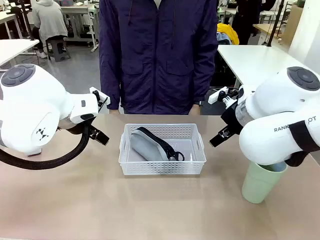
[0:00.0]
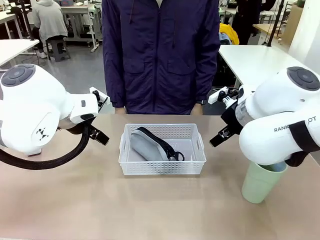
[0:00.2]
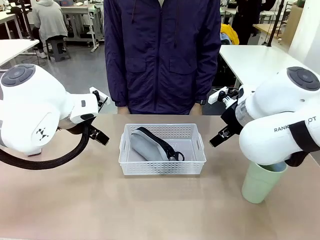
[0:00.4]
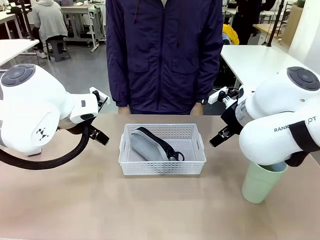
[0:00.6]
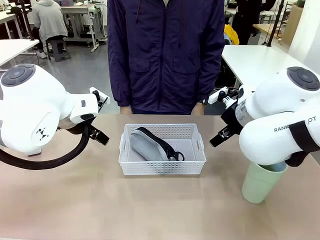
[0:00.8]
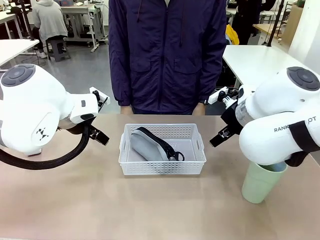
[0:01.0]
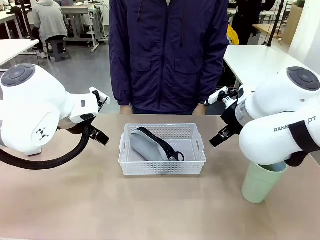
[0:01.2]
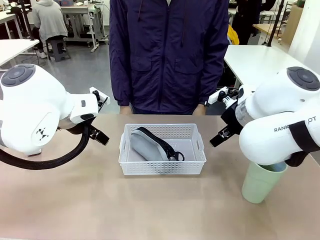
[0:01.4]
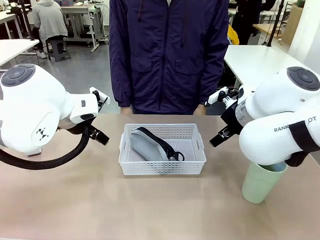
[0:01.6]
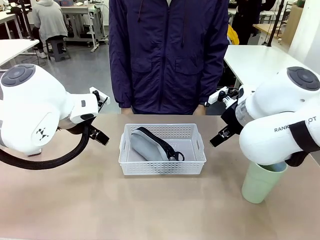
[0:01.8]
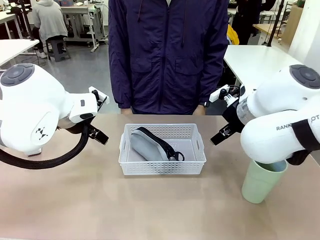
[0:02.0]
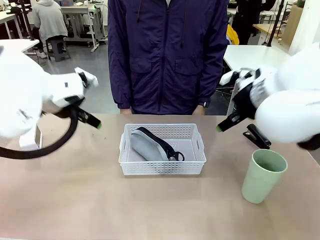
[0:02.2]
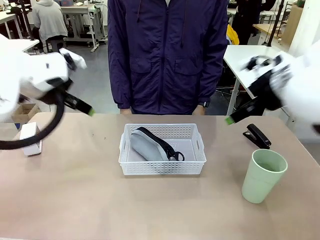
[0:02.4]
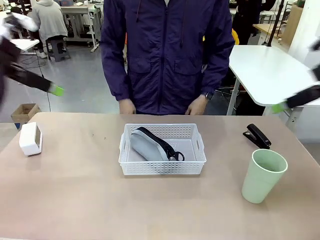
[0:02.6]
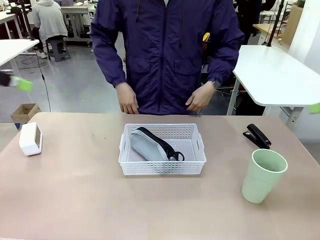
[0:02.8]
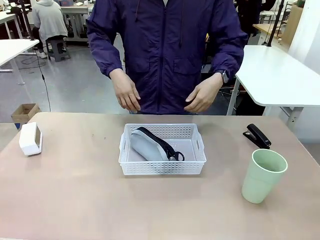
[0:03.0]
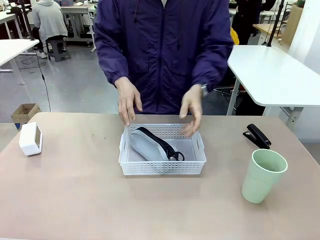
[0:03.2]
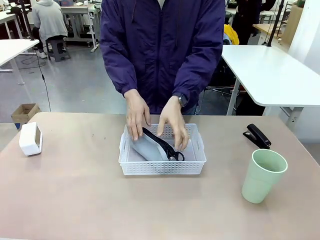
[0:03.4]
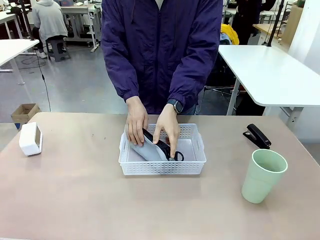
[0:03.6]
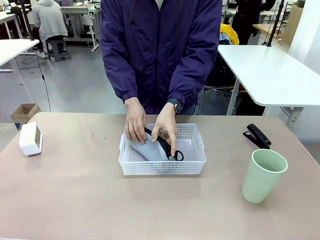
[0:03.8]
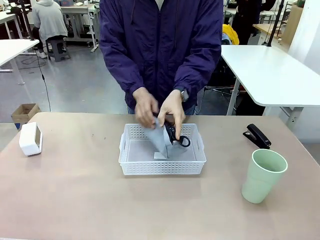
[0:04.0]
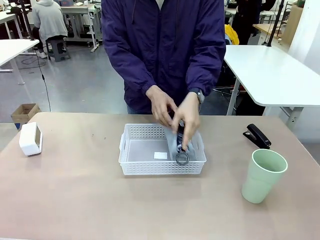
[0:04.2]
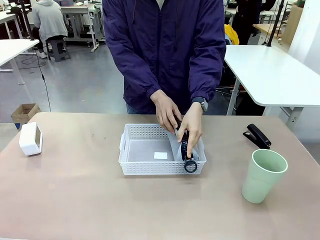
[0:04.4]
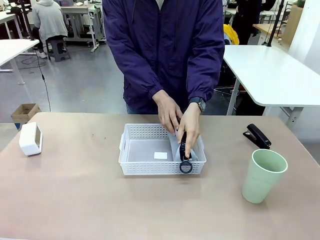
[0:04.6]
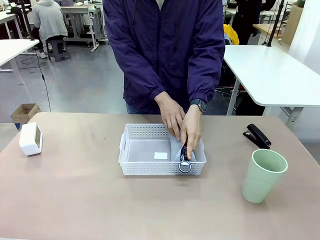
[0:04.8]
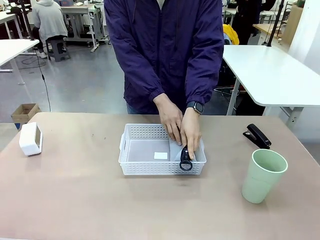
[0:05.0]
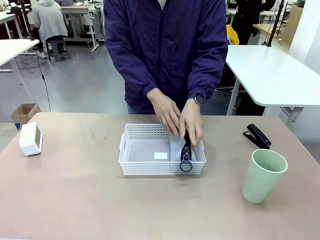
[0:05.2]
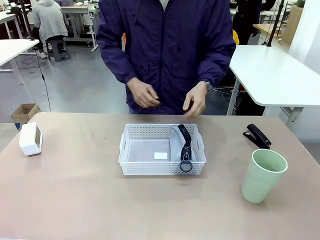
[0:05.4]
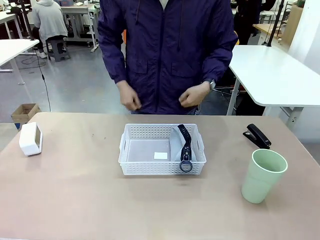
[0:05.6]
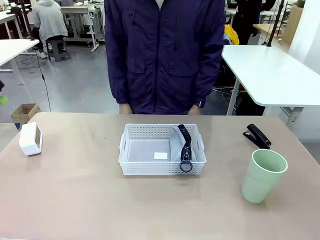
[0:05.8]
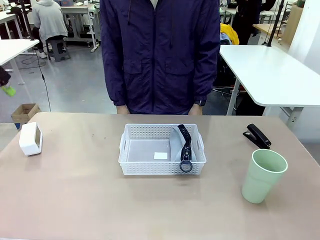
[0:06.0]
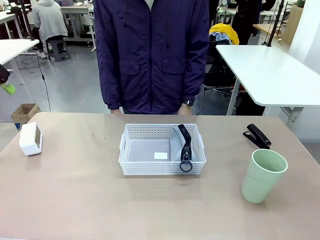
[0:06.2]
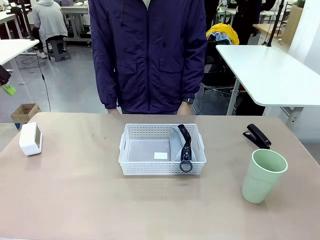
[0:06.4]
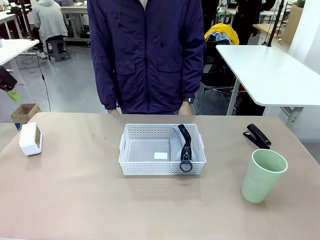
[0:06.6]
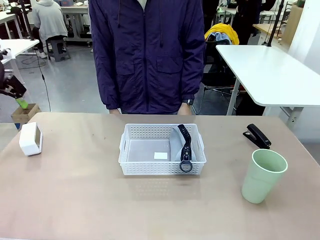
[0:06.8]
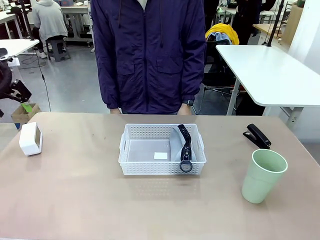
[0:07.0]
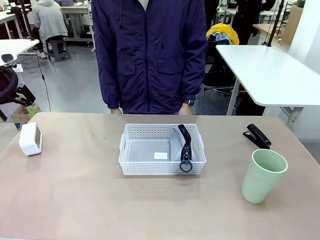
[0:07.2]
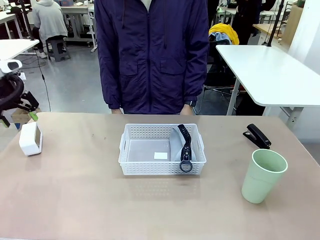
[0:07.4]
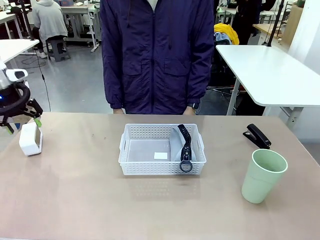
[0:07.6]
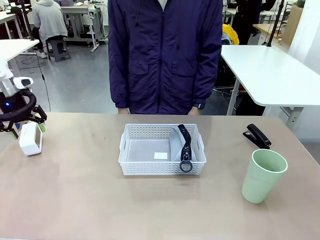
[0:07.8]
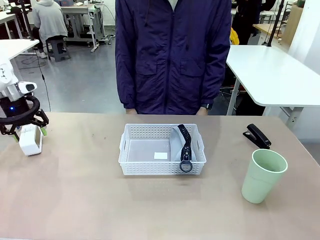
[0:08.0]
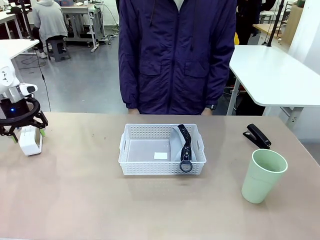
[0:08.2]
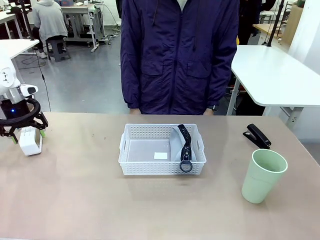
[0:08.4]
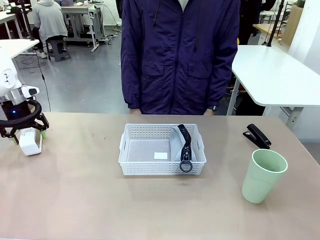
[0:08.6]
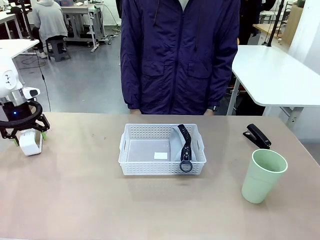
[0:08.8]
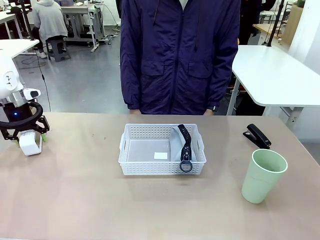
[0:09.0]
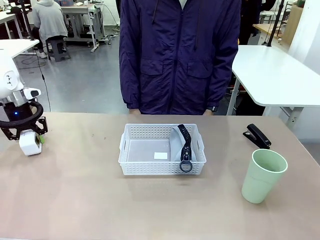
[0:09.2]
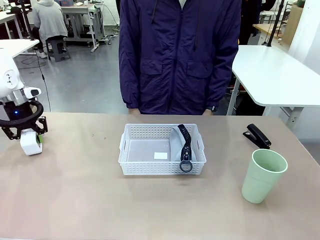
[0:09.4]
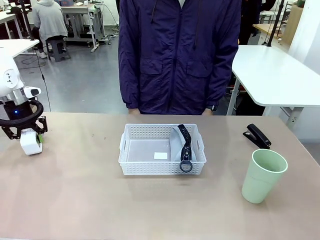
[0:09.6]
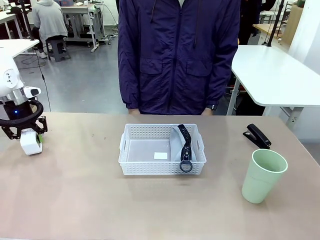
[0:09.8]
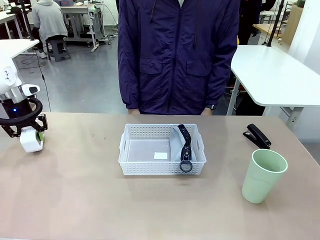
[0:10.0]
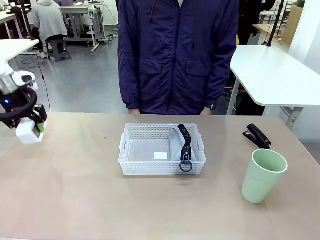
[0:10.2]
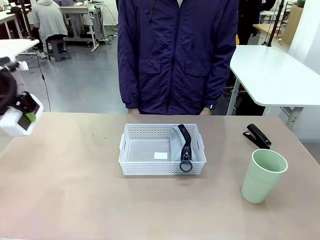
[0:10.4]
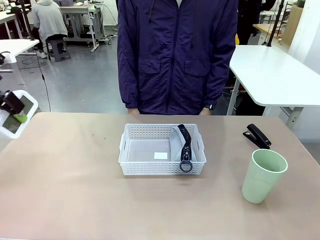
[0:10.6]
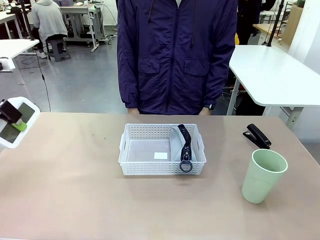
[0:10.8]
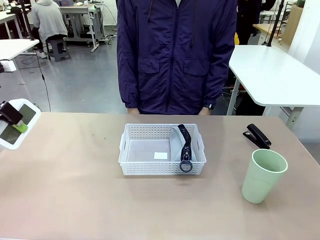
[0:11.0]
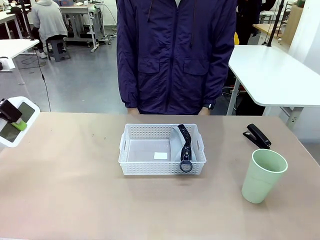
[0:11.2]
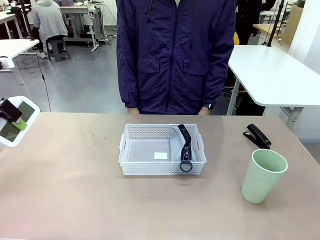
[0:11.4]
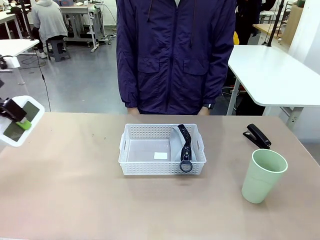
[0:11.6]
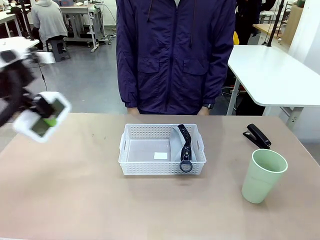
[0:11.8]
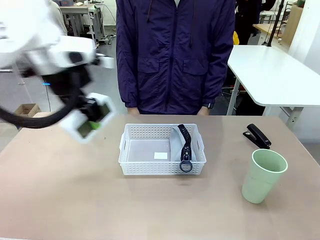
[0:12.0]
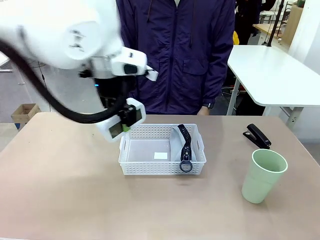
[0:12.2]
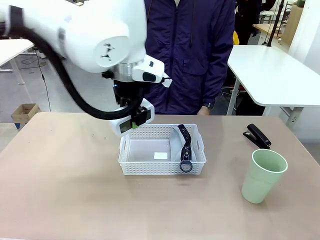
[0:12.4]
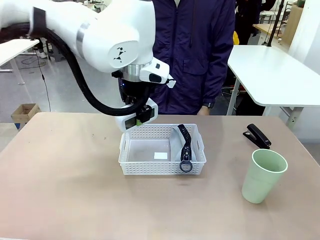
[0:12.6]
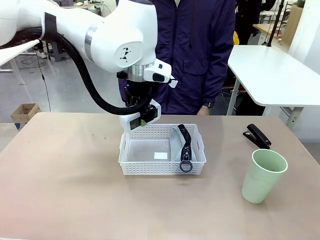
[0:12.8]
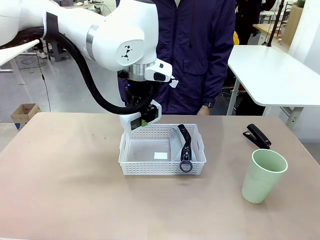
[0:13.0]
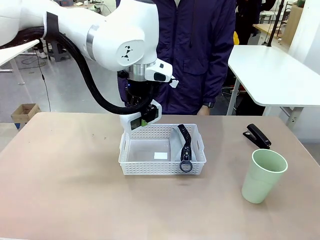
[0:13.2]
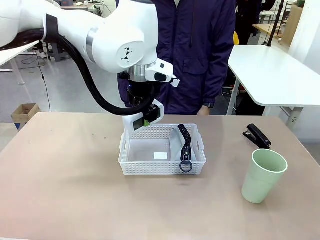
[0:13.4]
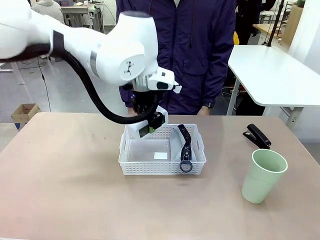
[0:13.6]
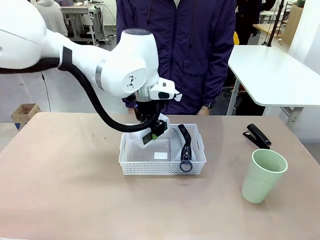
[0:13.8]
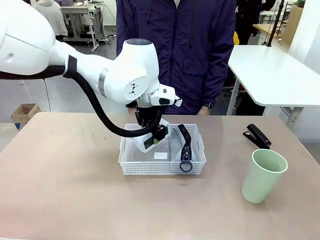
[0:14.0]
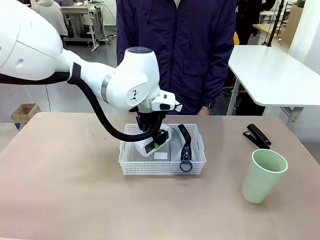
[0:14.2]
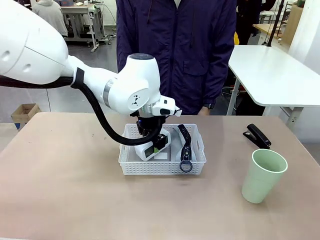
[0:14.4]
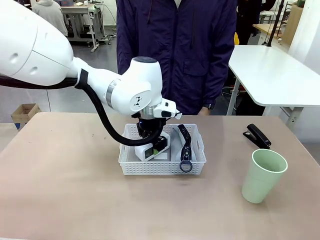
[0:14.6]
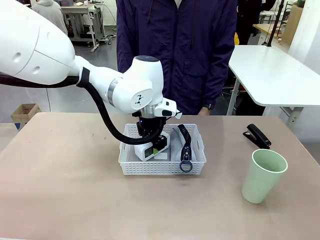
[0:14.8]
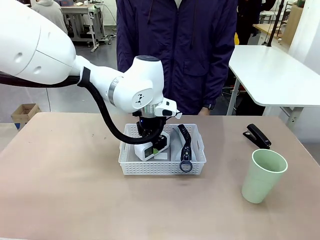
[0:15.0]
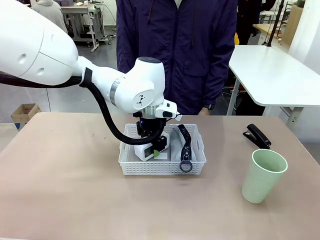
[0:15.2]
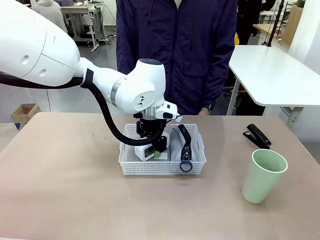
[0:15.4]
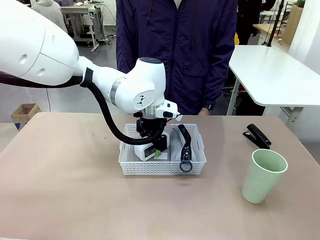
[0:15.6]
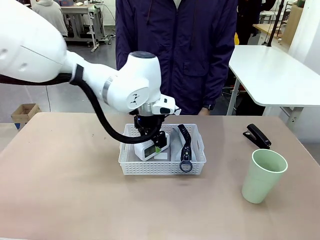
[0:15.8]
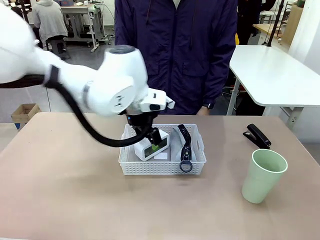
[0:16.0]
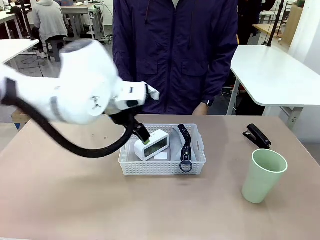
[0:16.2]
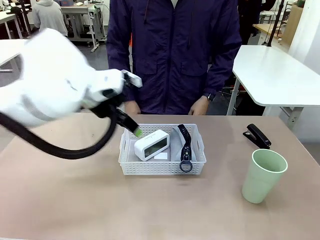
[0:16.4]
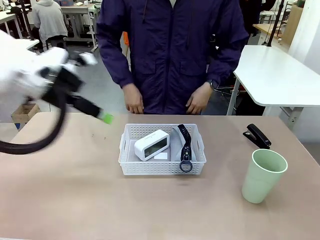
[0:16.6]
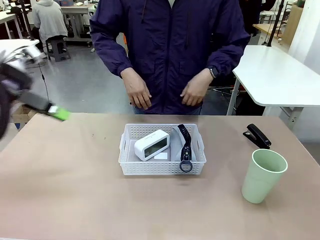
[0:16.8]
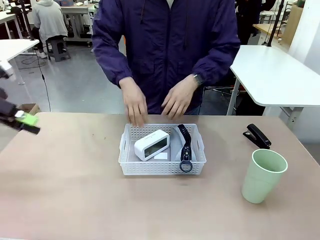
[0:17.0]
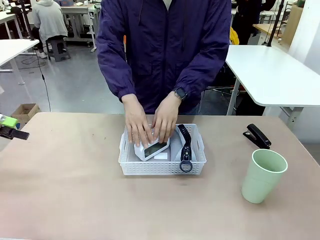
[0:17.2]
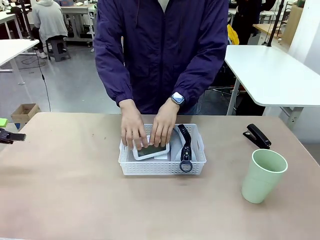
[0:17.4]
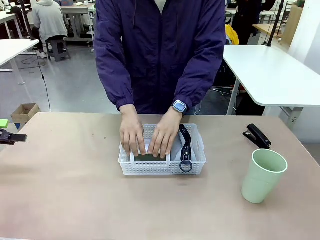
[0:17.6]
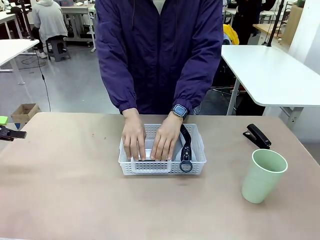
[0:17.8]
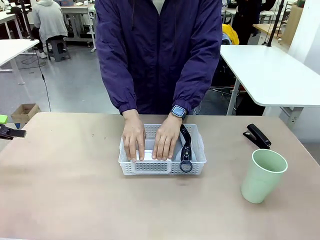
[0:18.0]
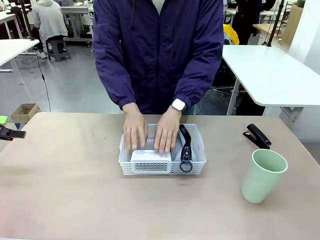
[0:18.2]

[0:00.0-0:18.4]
Task: Efficiently arrange items inside the basket to fit them all.
Robot: Pick up the Digital clock and place it inside the Organizing basket.
Person: Repositions the pencil case. Repositions the digital clock.
